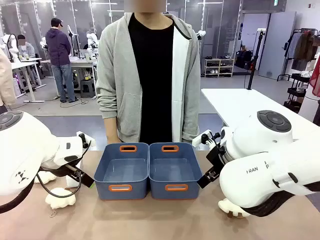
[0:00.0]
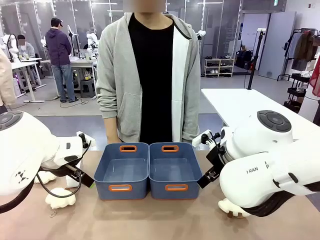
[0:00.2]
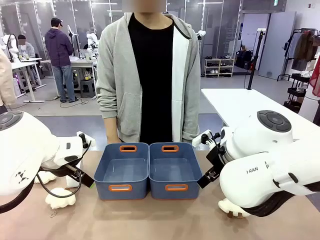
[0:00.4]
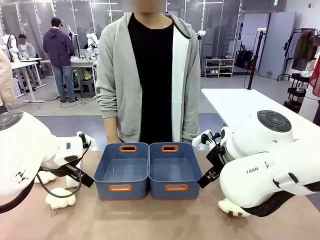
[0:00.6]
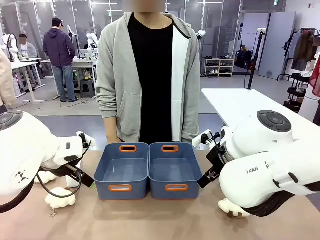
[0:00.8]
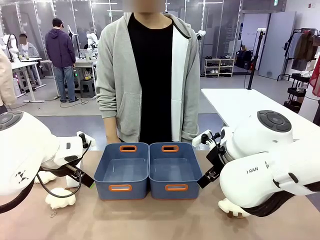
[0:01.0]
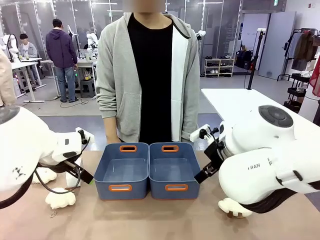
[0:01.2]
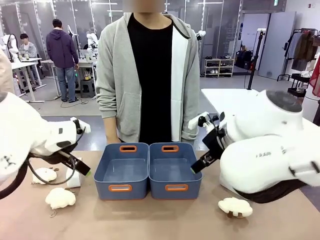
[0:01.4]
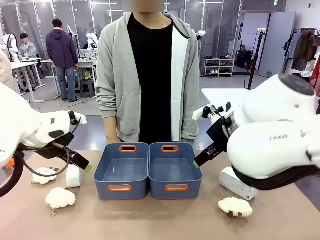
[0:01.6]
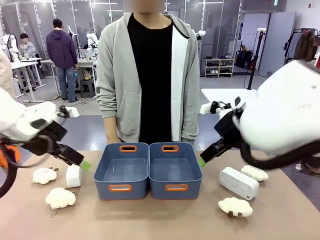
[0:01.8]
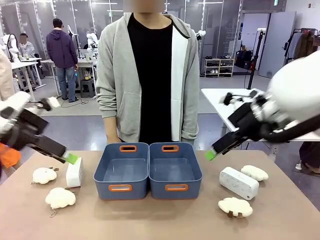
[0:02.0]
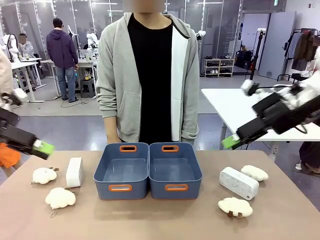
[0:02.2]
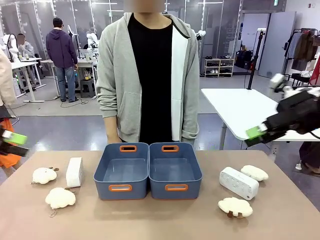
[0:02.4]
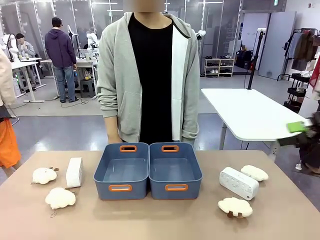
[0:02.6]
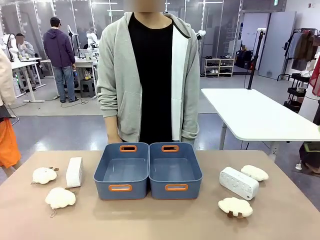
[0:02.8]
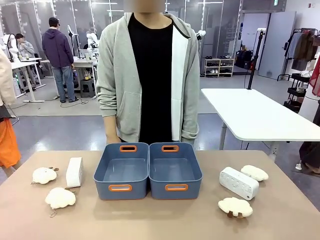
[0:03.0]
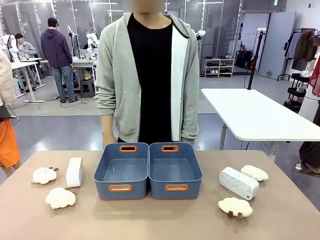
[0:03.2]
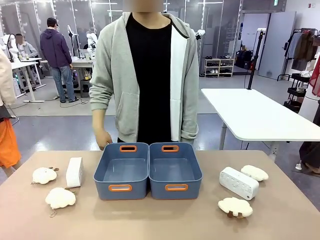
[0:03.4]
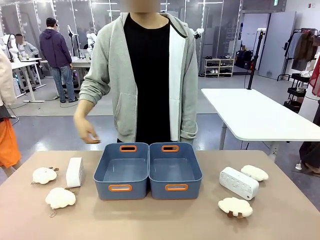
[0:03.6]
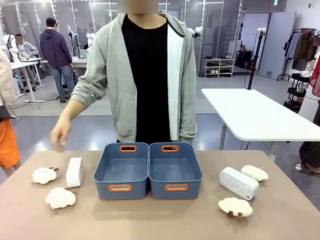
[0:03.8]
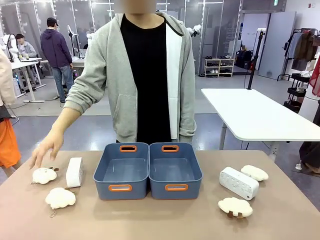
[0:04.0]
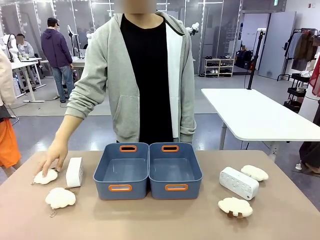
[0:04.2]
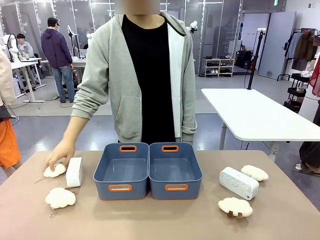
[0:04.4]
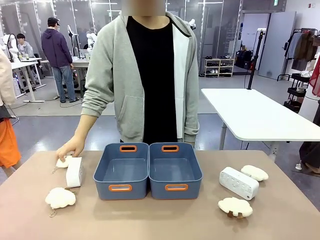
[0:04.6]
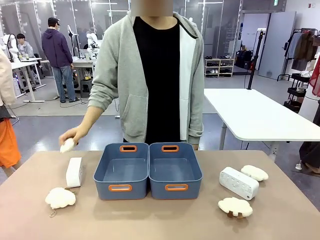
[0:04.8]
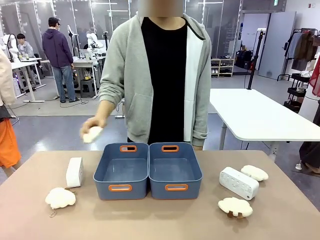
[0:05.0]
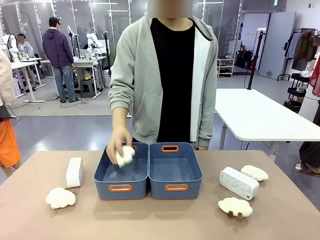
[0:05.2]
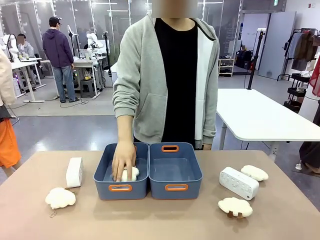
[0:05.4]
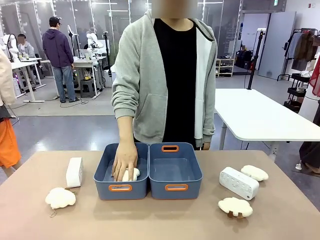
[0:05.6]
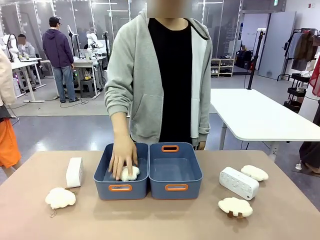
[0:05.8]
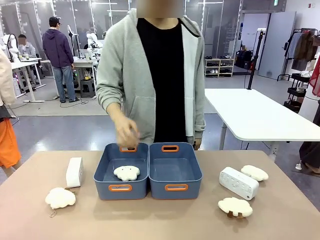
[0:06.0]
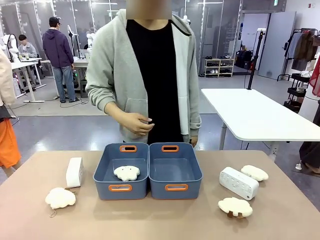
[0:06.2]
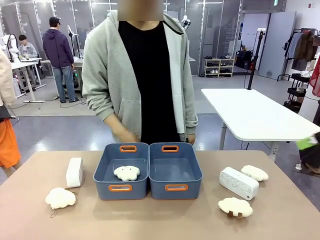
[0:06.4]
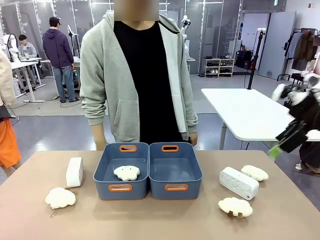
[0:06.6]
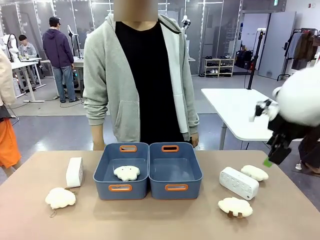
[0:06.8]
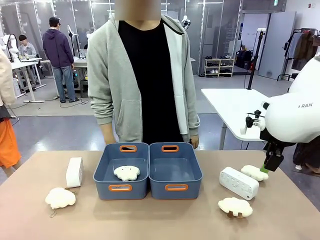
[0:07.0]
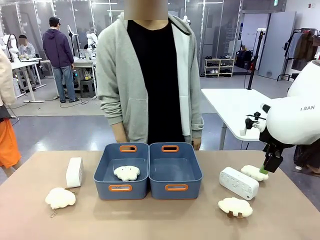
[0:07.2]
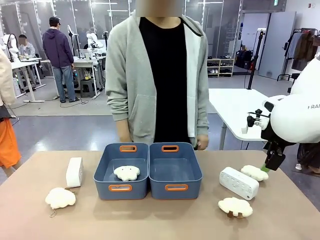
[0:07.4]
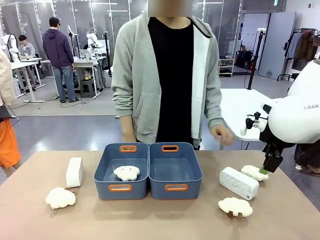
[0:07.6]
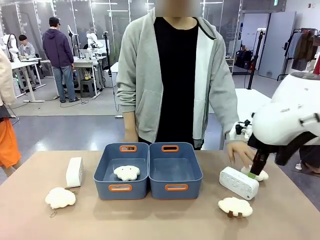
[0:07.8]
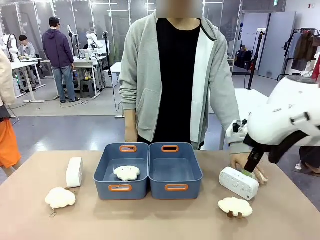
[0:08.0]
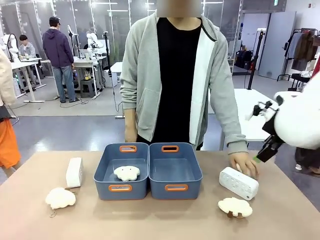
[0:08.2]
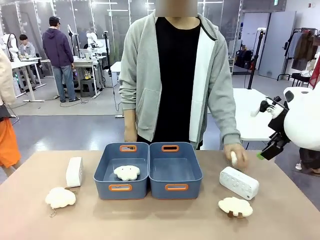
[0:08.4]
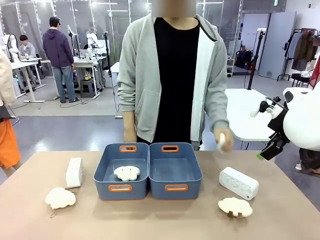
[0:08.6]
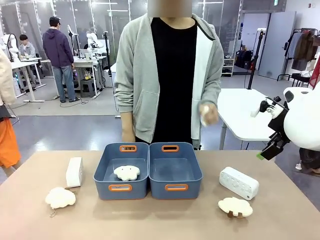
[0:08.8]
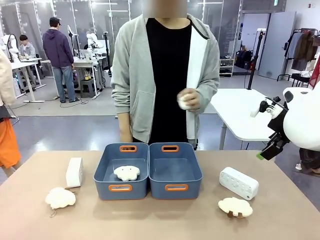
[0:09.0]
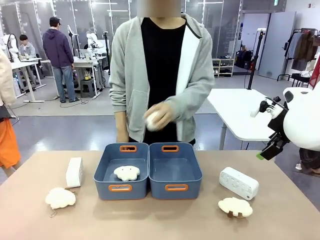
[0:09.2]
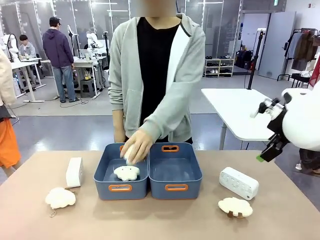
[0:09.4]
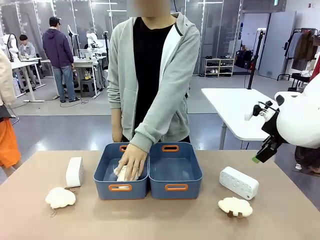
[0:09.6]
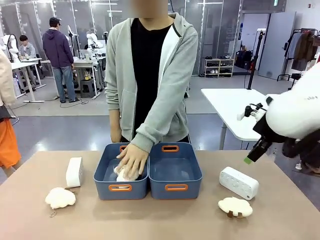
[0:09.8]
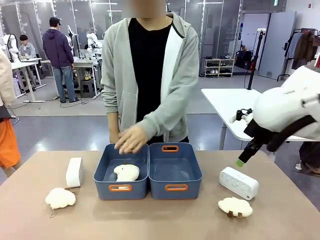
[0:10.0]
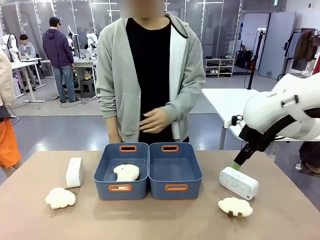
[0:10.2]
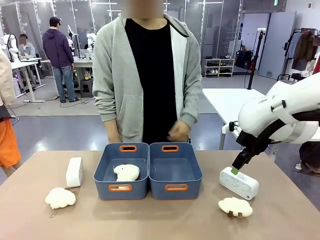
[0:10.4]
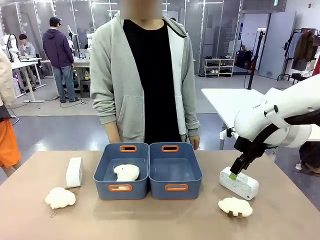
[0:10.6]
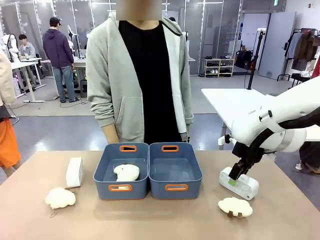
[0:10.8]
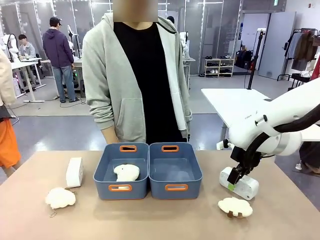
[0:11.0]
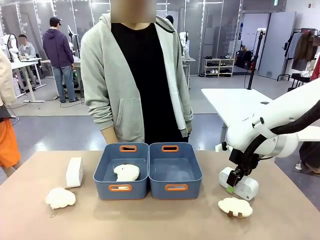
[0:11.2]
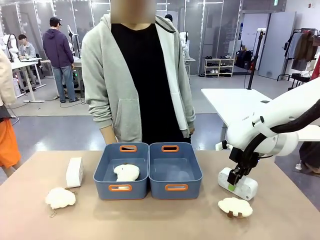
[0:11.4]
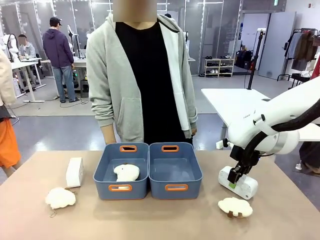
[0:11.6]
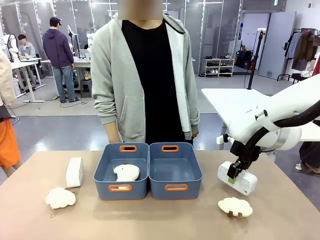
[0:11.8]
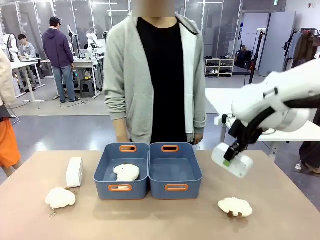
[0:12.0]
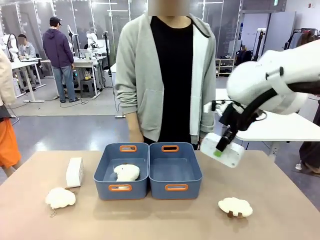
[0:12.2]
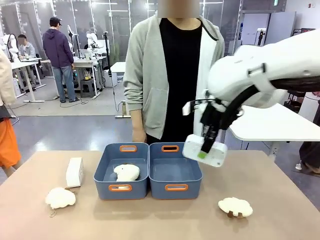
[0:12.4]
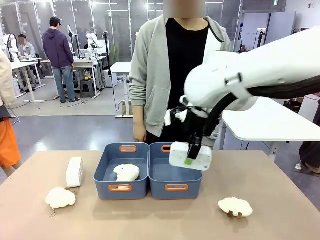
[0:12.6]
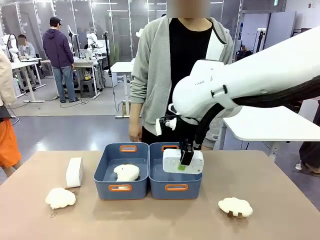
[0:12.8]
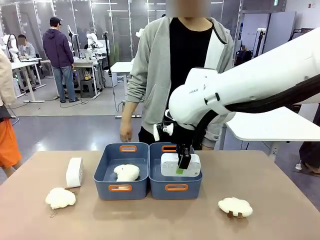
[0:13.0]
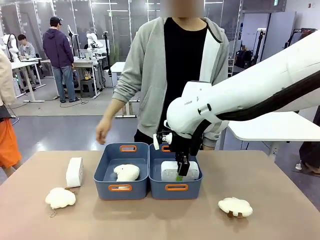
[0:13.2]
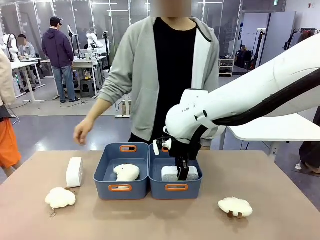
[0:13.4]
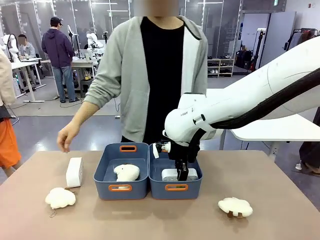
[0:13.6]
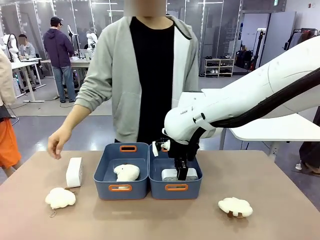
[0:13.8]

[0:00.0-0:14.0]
Task: Sort the digital clocks into the basket.
Robot: Pick up the Digital clock from the table and place it into the empty Plastic storage basket.
Person: Pick up a plush toy from the table and place it in a plastic storage basket.
